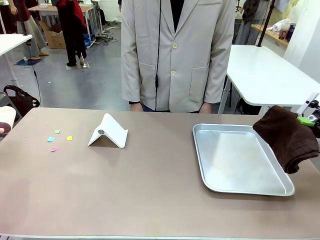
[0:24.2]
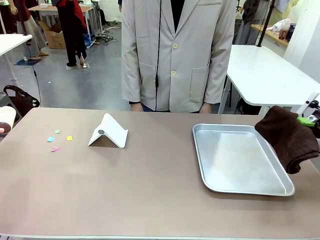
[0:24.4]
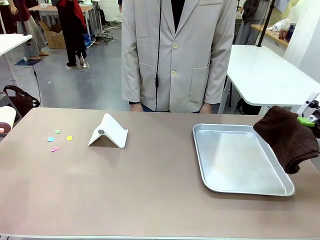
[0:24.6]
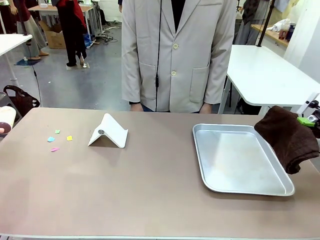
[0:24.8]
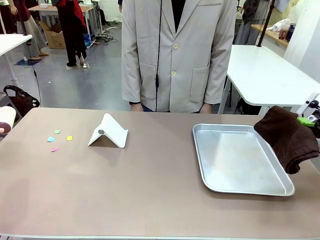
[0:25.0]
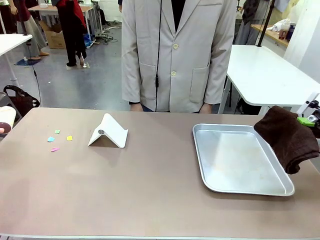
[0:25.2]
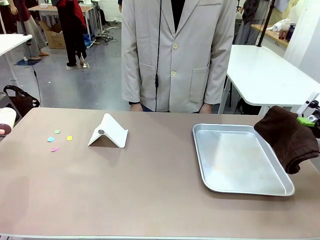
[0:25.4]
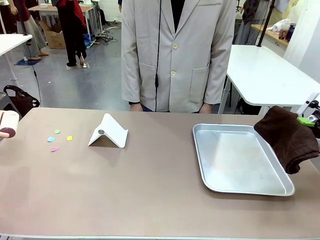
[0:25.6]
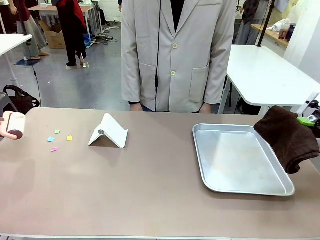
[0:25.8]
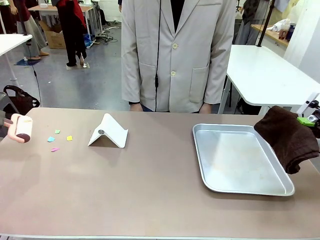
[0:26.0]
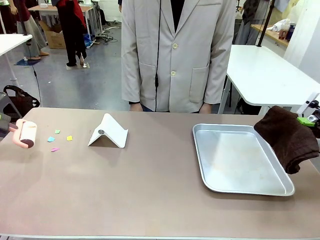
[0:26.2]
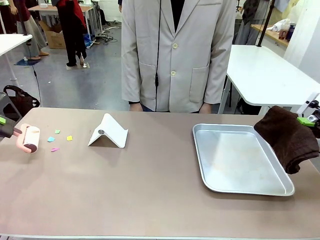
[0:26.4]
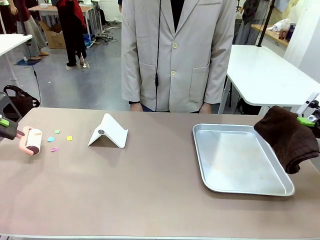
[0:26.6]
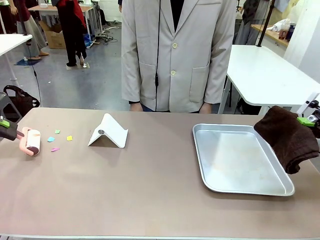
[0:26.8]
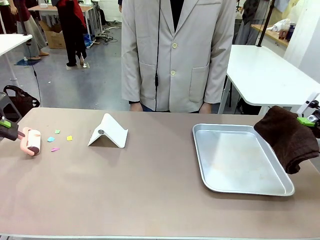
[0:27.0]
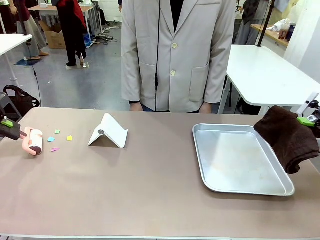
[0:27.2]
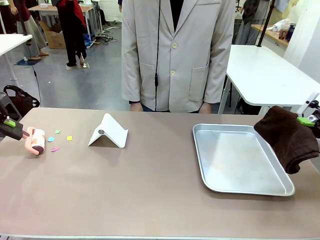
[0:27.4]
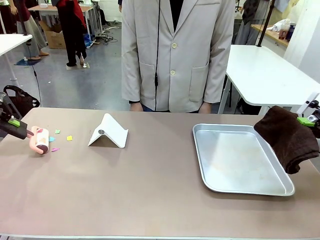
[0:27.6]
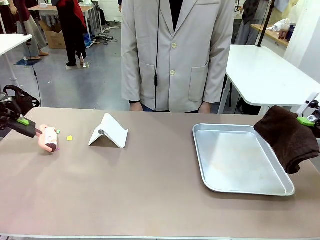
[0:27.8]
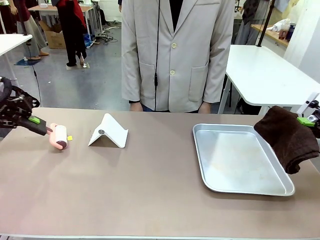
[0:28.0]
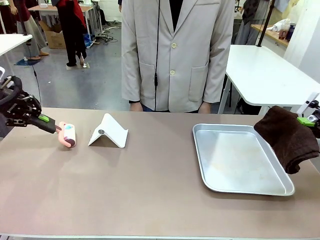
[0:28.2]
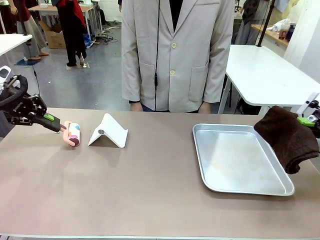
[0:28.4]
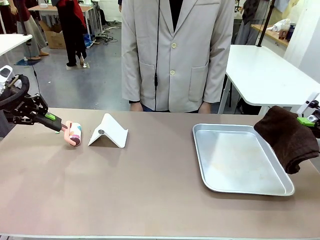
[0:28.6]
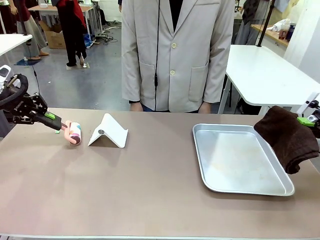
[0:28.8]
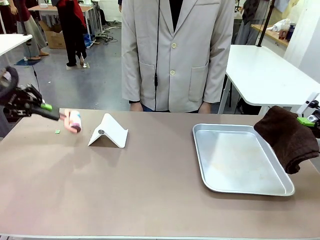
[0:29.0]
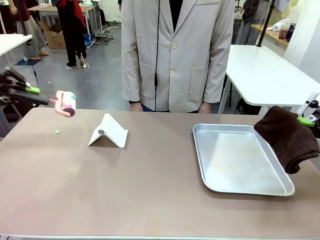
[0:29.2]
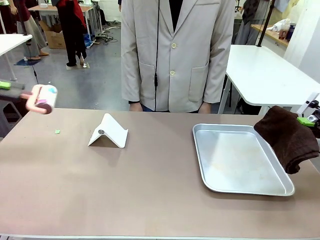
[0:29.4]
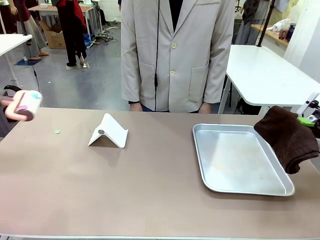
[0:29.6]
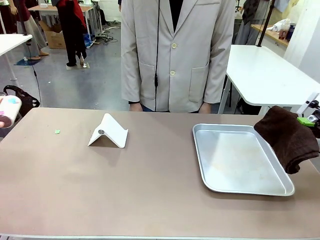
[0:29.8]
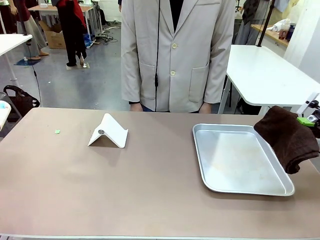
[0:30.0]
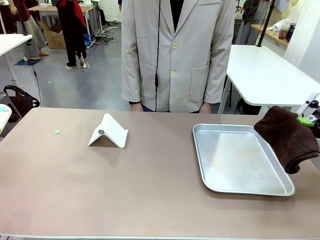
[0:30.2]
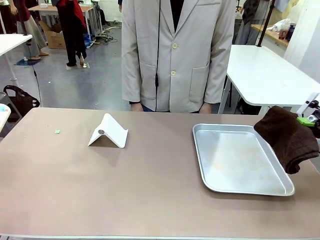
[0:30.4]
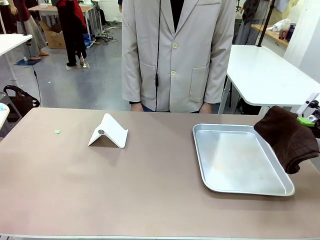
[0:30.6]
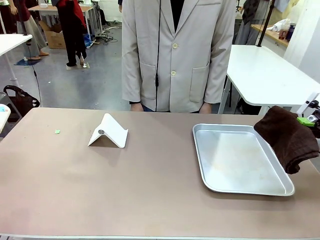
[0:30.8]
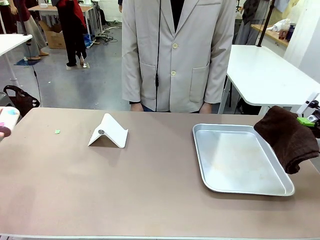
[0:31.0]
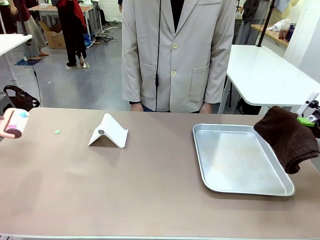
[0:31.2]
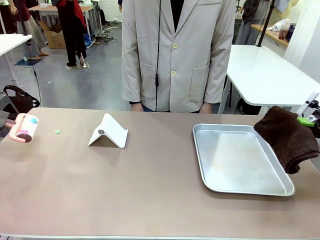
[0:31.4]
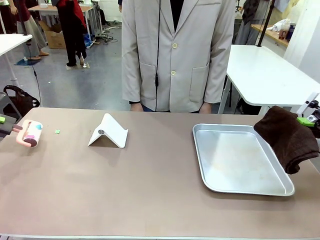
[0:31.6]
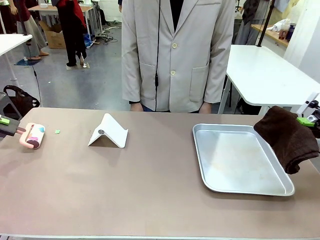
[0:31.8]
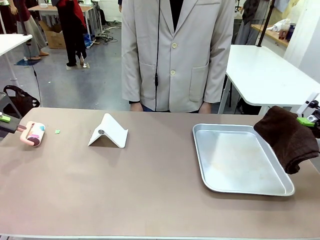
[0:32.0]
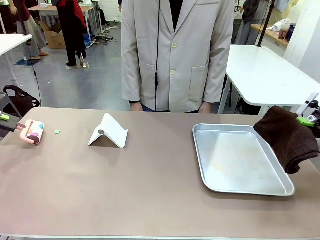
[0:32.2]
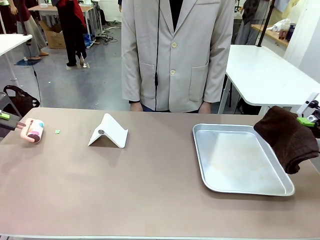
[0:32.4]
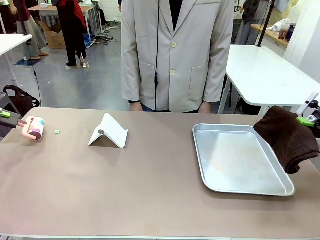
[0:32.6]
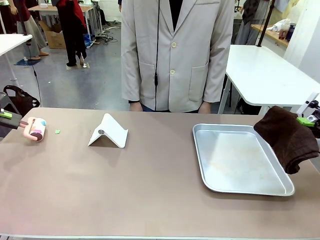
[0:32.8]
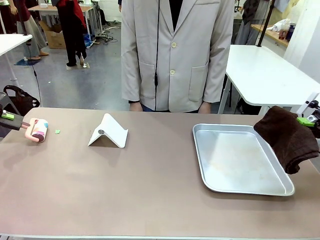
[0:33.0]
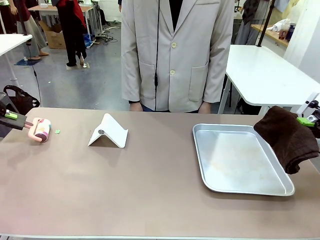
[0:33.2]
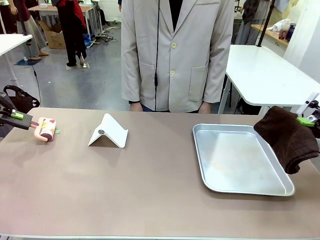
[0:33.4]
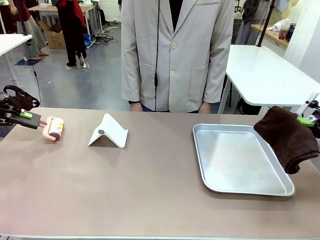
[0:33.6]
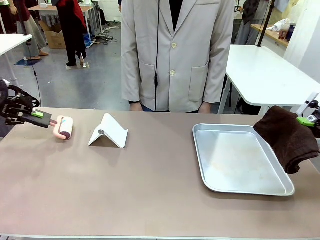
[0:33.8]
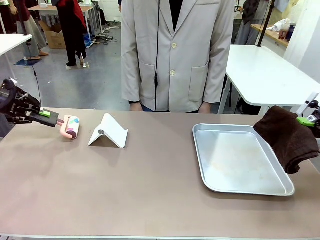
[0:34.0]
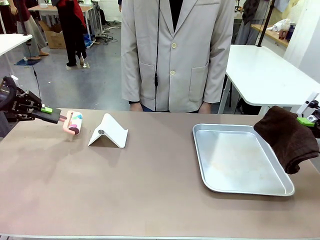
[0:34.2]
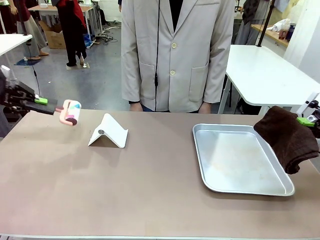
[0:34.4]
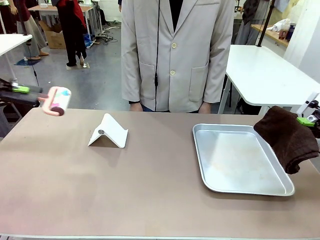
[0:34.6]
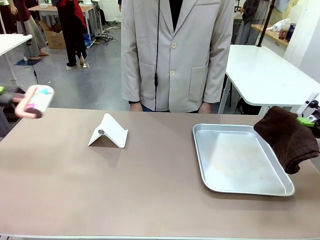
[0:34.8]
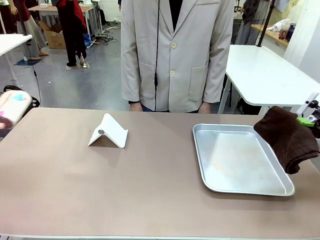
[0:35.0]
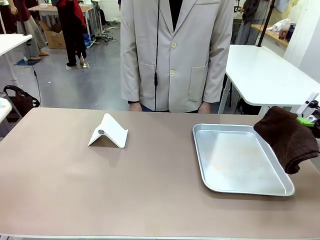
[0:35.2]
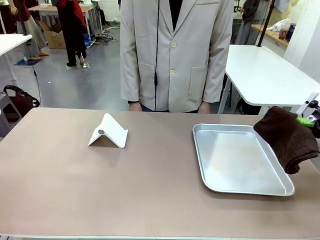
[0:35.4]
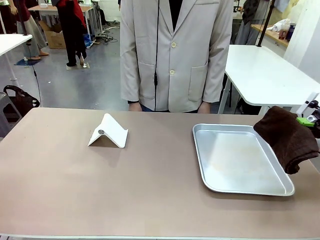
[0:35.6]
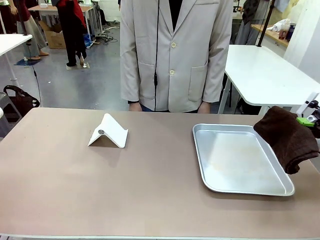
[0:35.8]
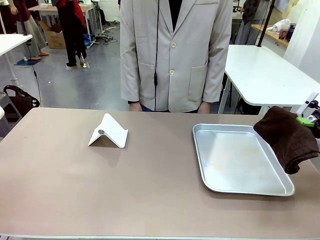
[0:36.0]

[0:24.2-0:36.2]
Task: Clean the surface of the table.
Robot: Clean the area not pointed to by the person.

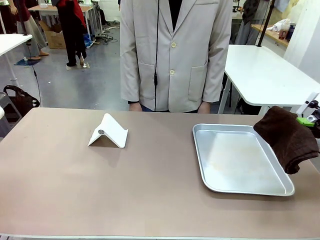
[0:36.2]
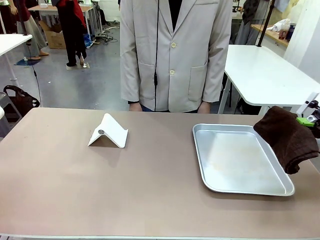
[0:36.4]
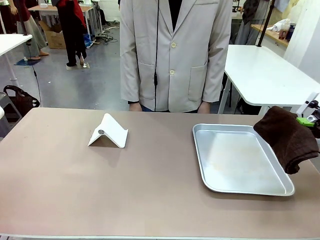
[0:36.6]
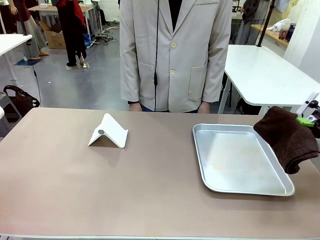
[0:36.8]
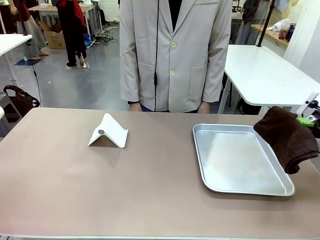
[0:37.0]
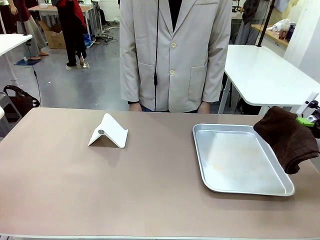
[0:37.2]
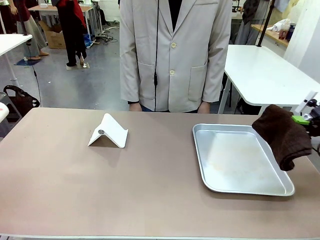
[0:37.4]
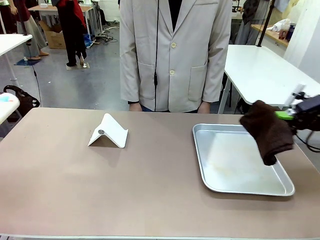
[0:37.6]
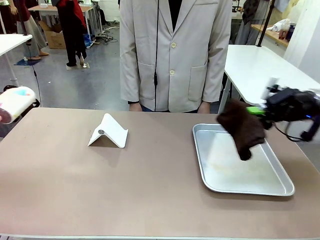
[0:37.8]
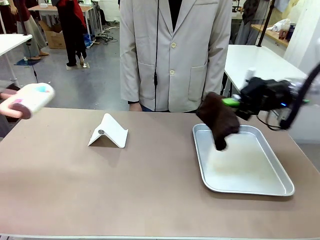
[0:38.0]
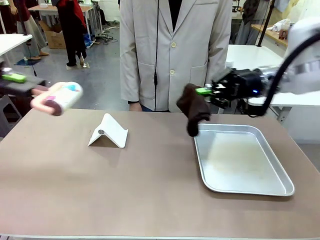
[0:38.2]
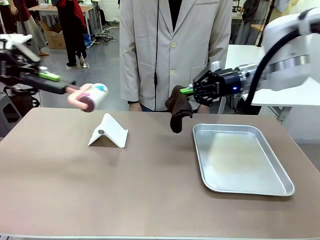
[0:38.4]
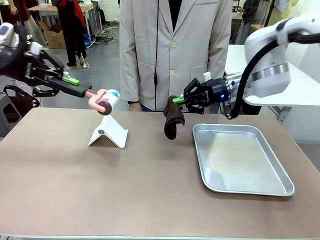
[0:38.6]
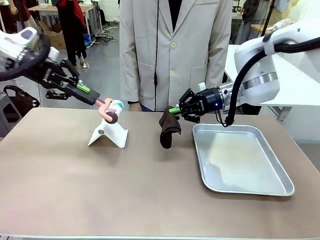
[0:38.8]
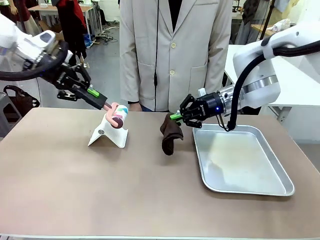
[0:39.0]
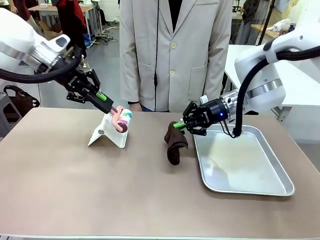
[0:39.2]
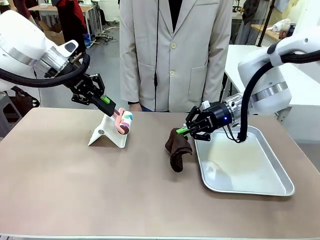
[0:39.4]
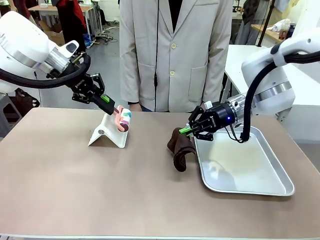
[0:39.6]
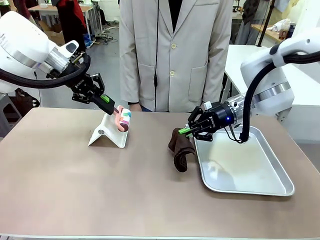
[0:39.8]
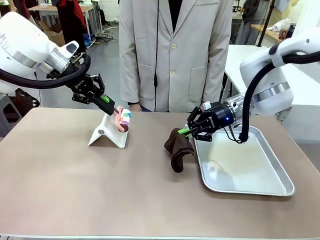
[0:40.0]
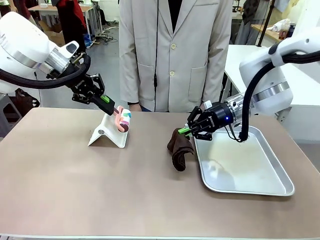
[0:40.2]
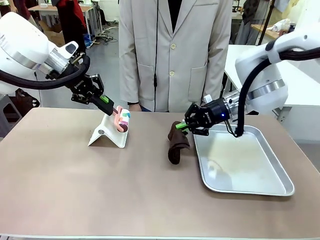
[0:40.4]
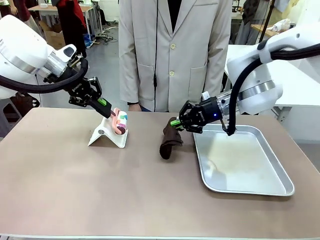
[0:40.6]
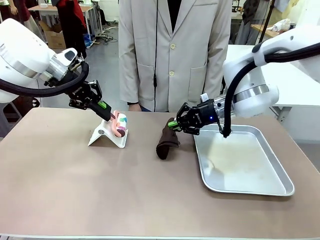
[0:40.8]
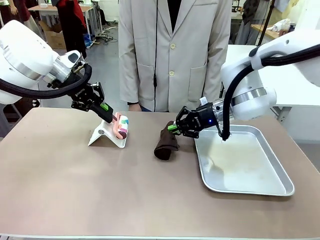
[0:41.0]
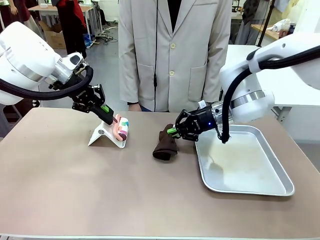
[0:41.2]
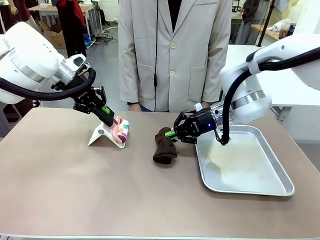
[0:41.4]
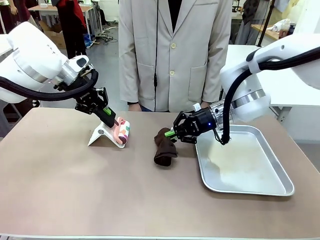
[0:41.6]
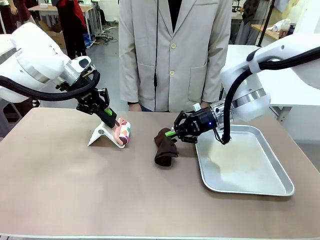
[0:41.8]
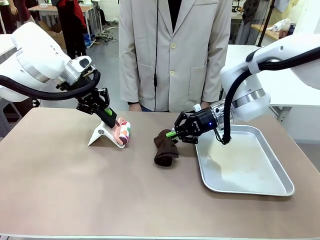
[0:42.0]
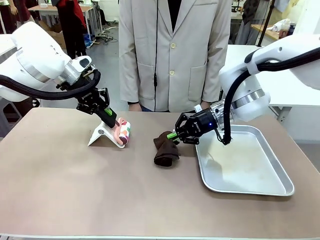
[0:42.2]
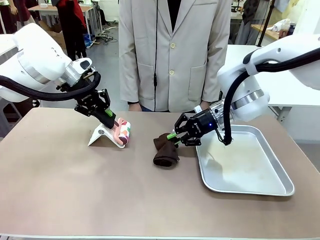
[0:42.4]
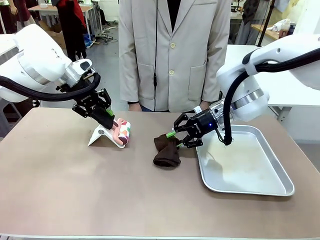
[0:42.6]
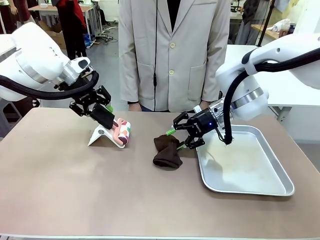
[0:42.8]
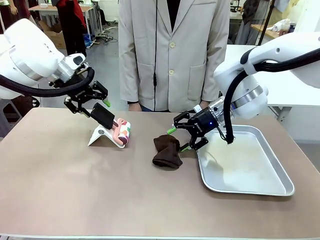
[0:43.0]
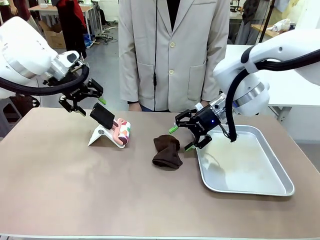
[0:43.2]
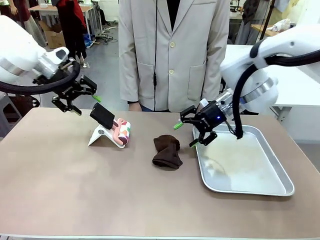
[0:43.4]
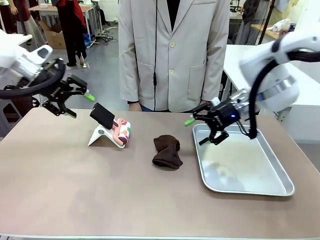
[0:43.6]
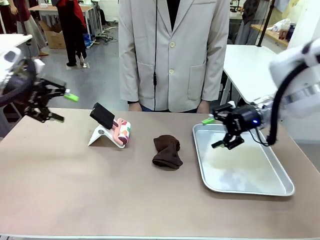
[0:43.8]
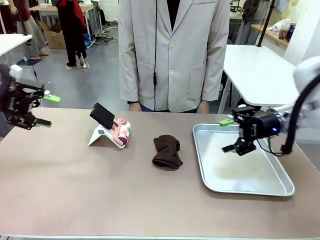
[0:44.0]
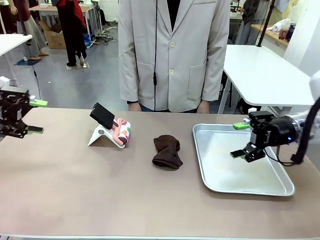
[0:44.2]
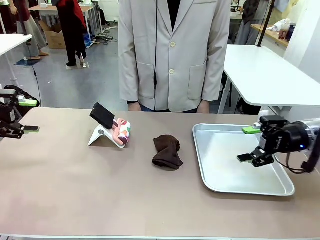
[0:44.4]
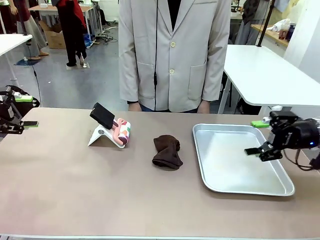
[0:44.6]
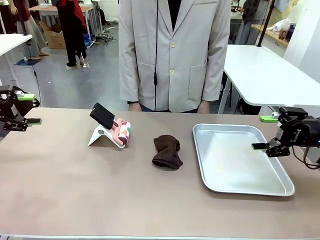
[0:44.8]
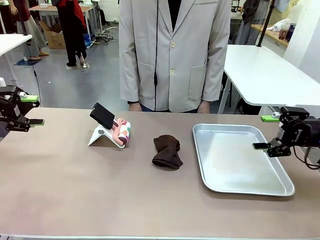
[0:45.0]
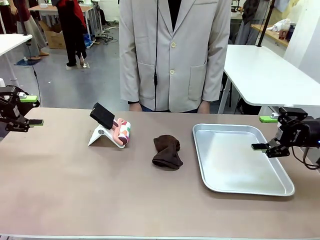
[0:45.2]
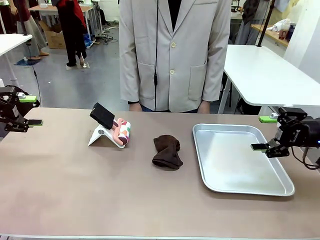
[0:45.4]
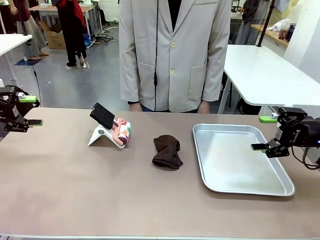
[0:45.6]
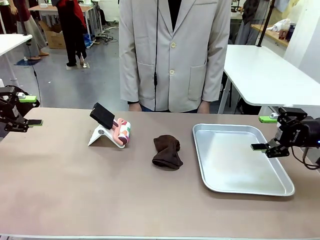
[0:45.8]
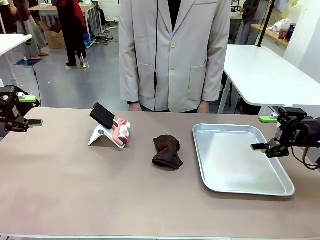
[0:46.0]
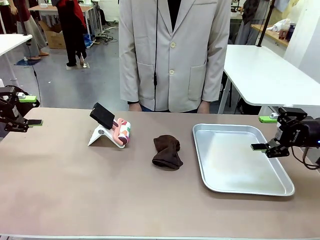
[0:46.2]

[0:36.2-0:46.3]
Robot: Return the Lint Roller and towel to their original positions.
